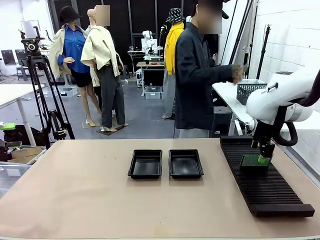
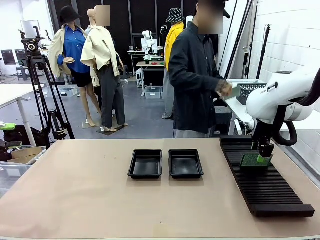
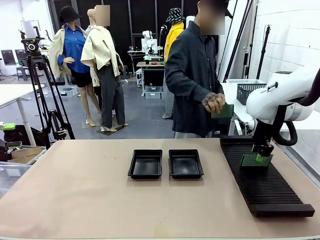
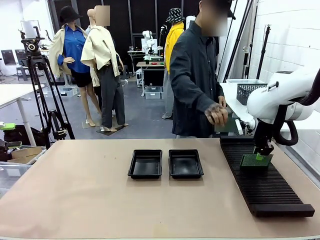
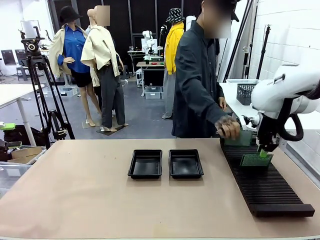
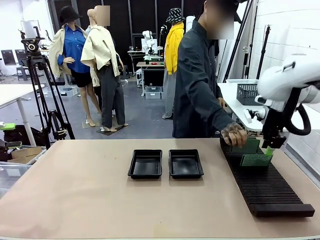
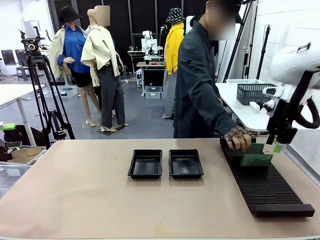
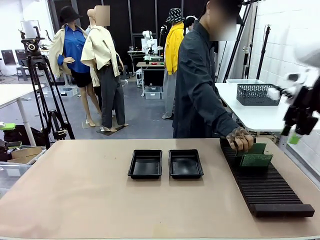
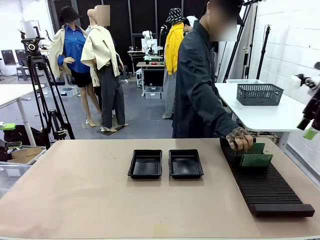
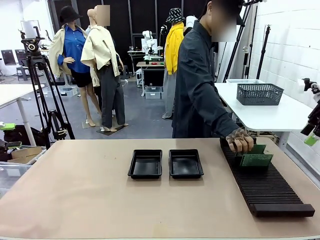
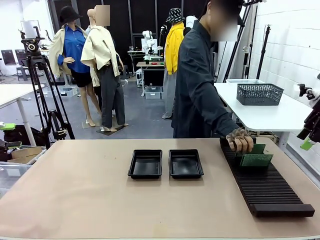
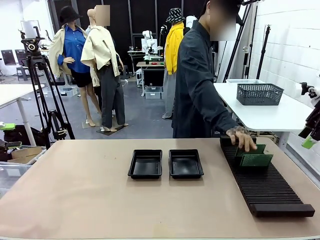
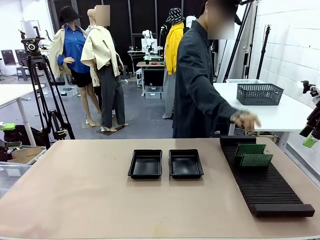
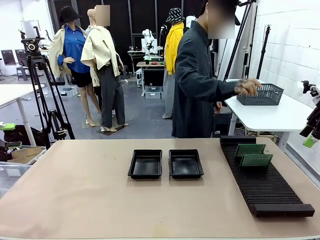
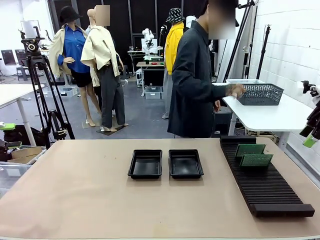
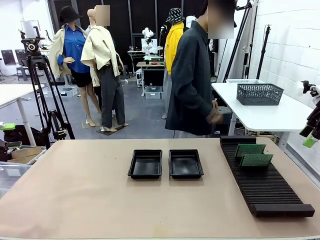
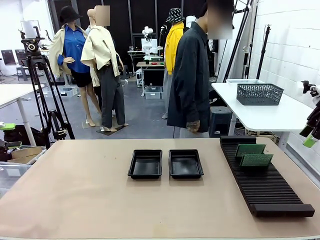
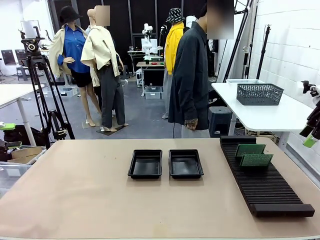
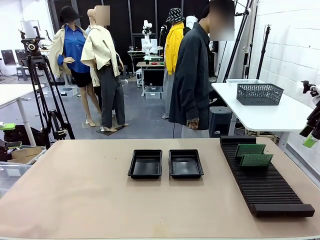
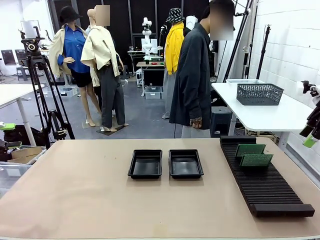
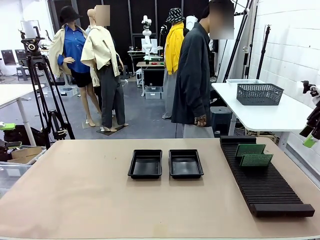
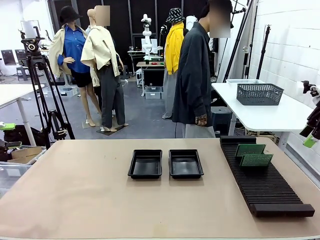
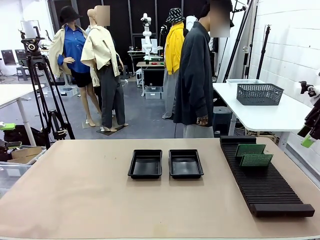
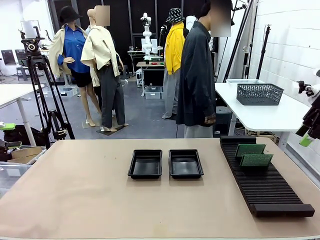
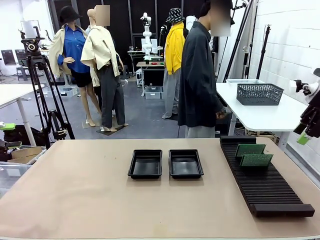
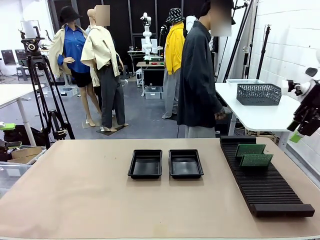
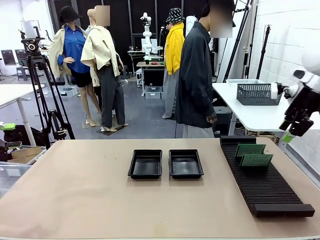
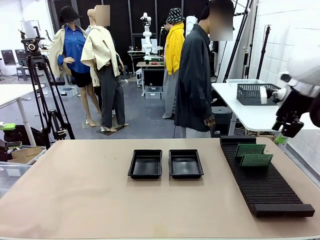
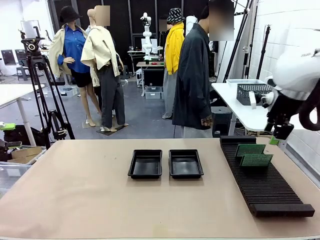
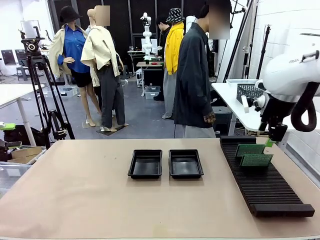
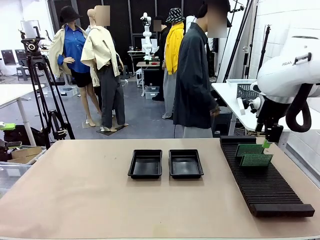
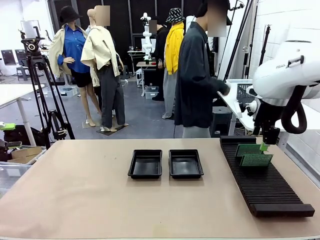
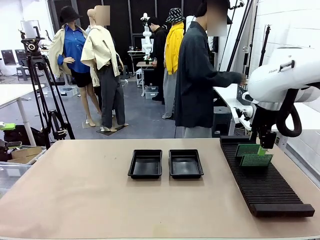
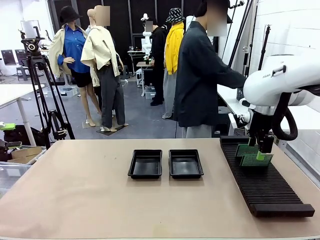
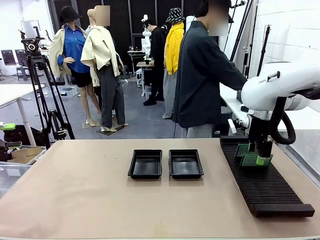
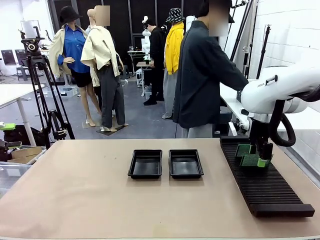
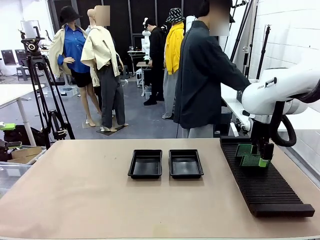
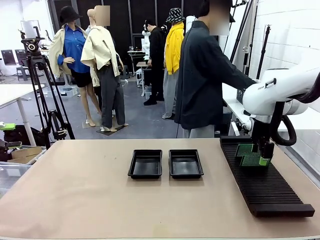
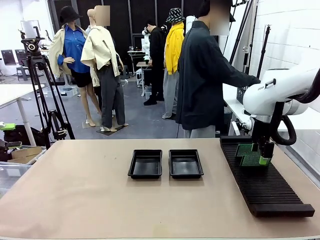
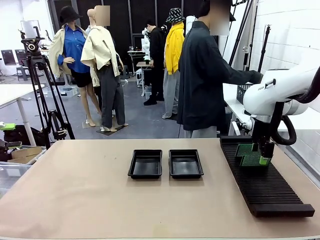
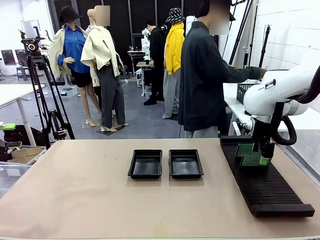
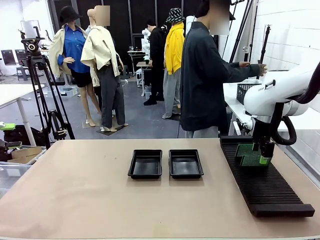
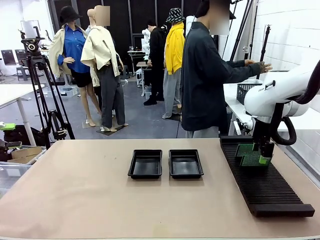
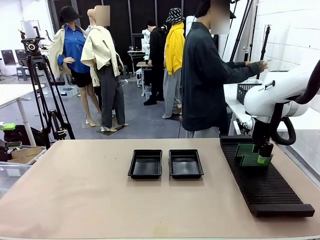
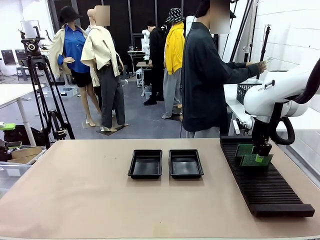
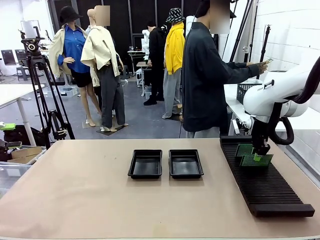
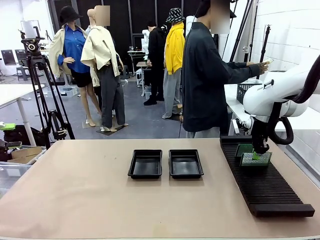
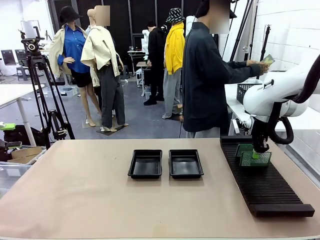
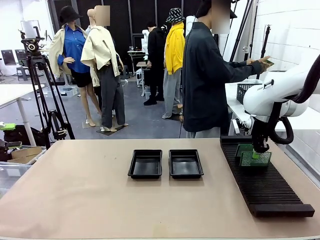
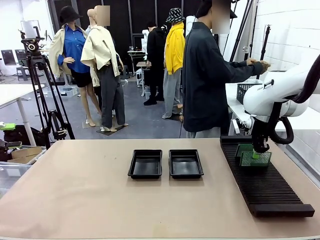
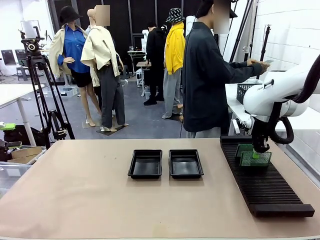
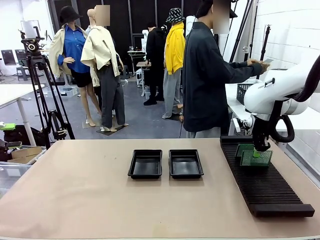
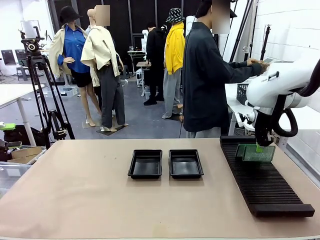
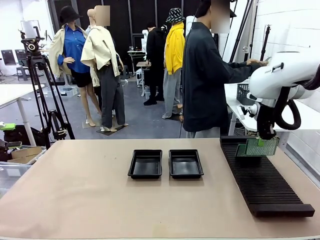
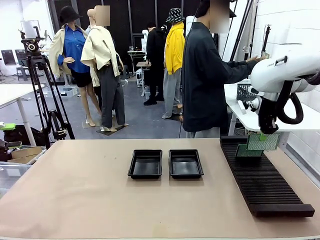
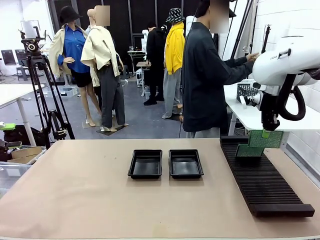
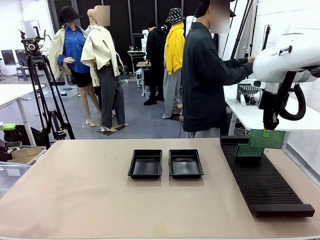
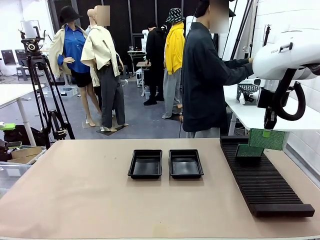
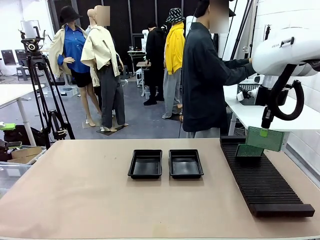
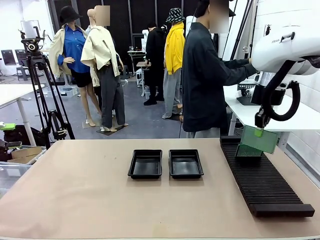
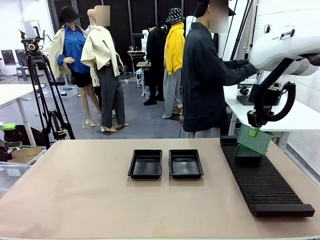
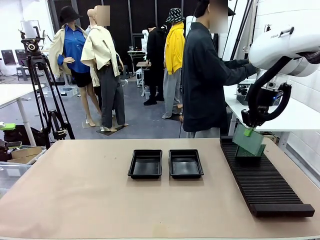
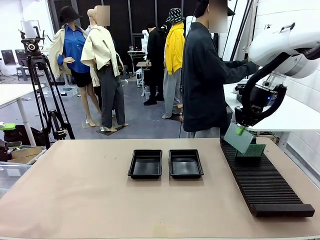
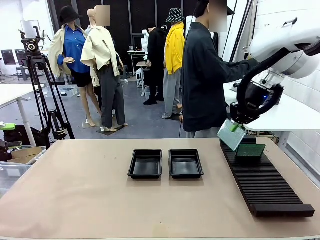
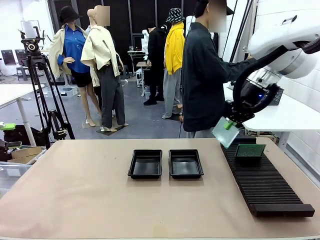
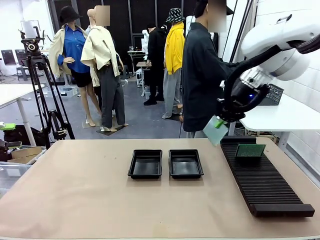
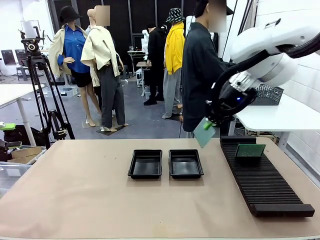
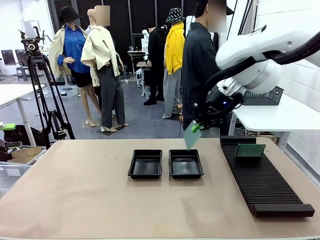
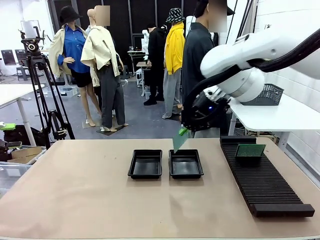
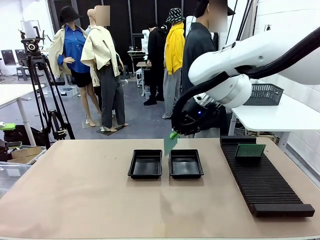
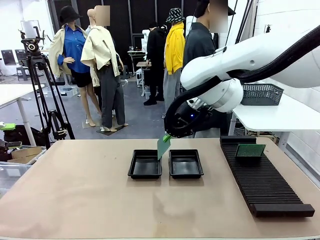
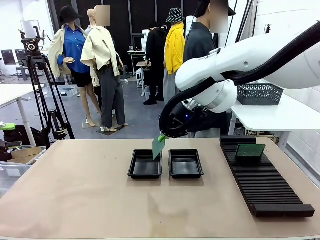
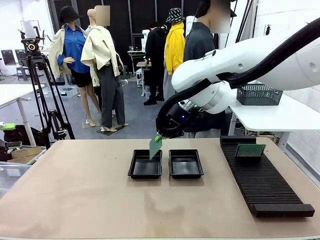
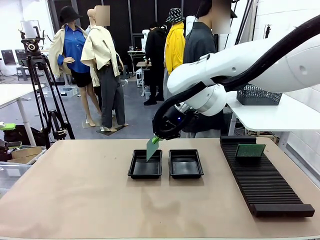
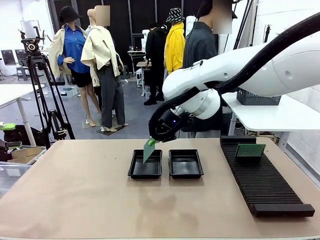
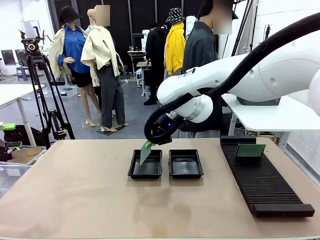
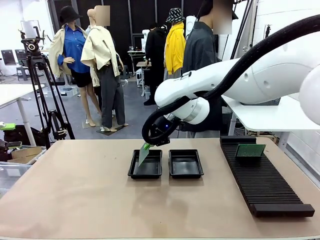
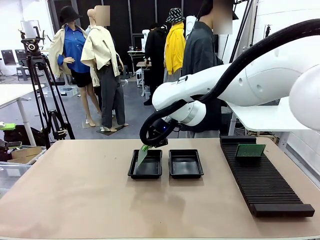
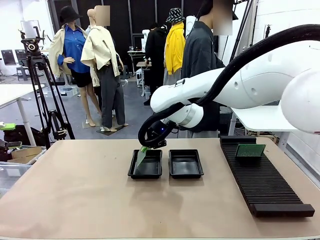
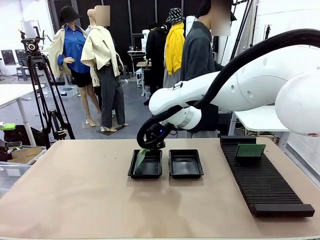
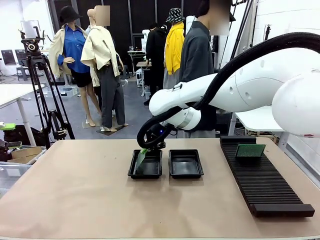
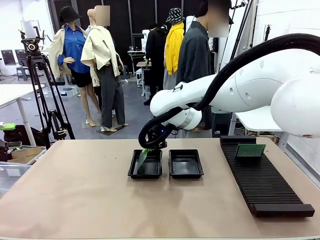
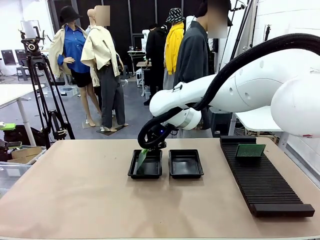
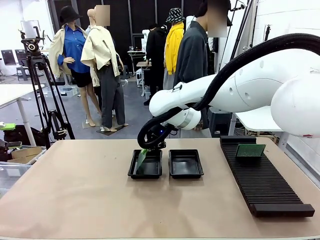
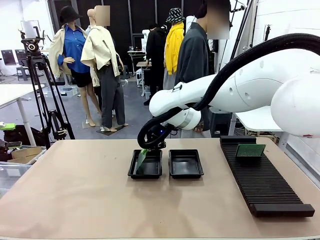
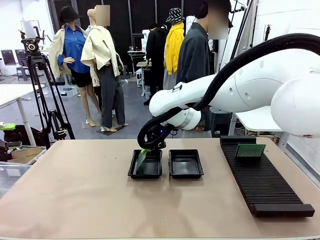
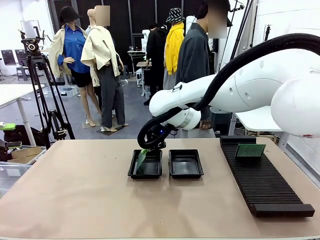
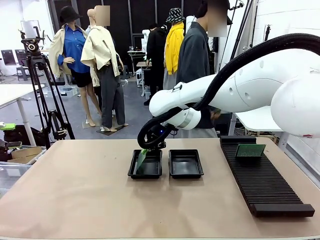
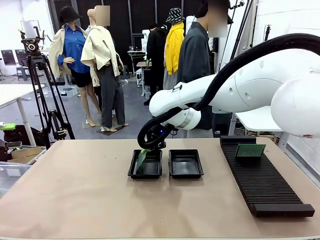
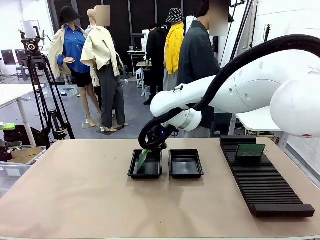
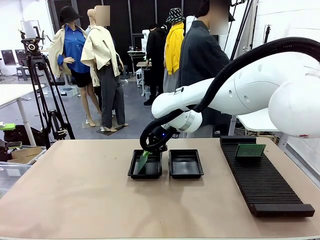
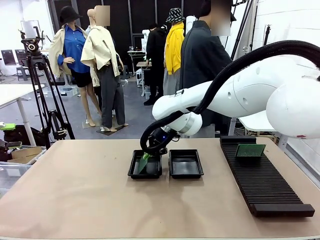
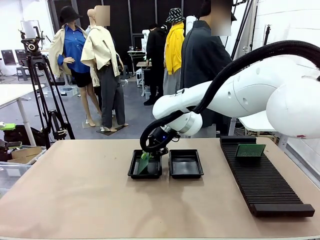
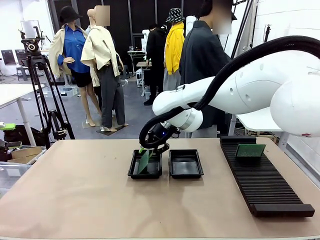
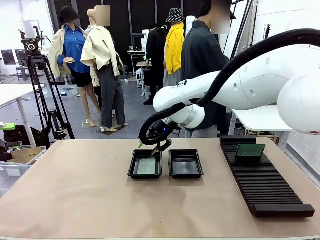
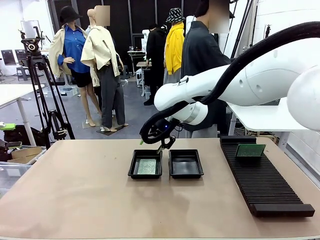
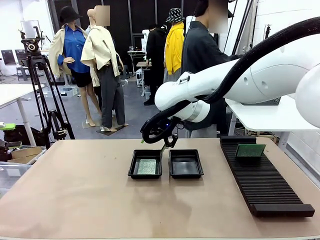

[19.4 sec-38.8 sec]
Task: Inspect and transfer BCBs to ESD trays.
Robot: Pick up the Blank PCB from the PCB Rack and place it in the left ESD tray.
